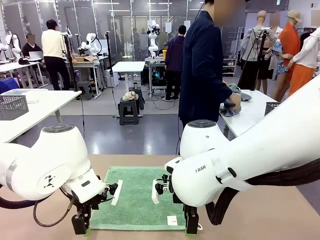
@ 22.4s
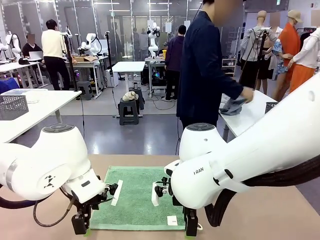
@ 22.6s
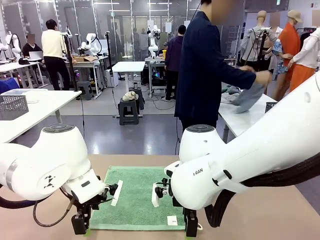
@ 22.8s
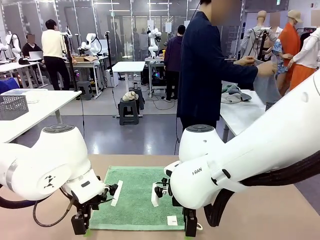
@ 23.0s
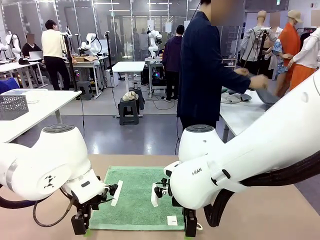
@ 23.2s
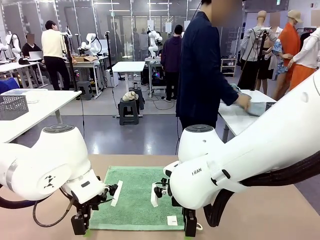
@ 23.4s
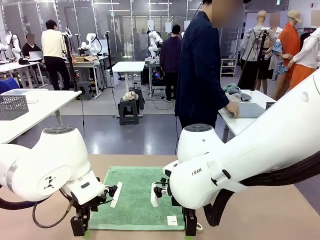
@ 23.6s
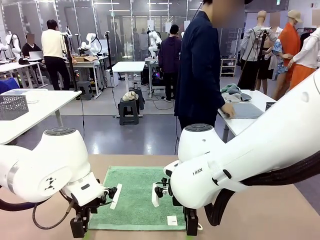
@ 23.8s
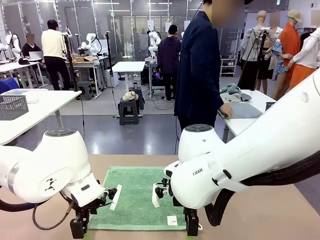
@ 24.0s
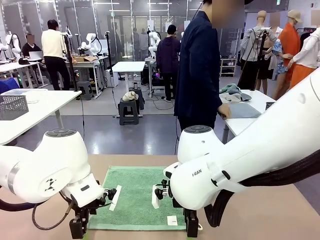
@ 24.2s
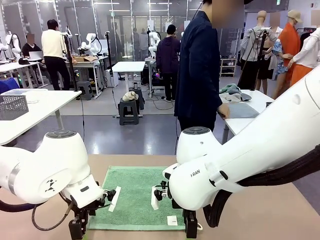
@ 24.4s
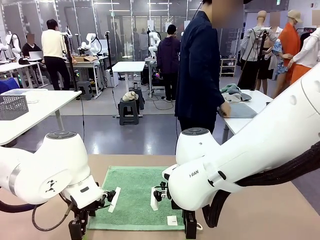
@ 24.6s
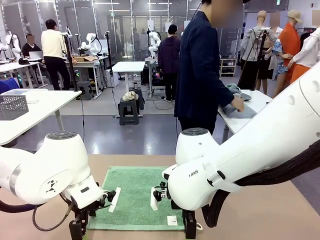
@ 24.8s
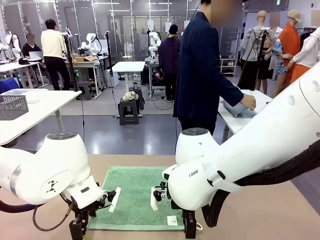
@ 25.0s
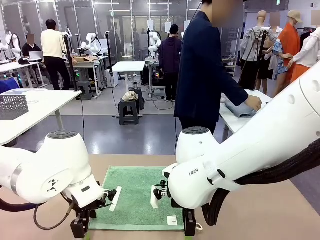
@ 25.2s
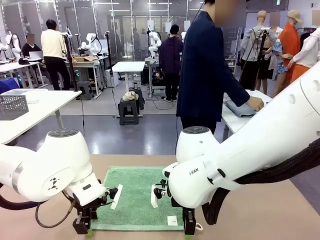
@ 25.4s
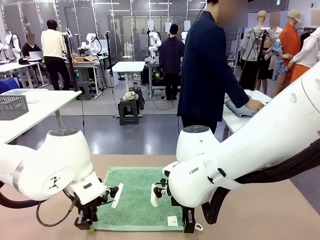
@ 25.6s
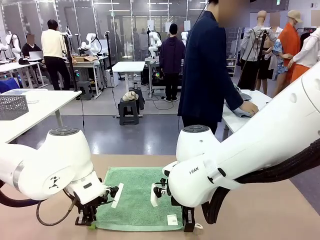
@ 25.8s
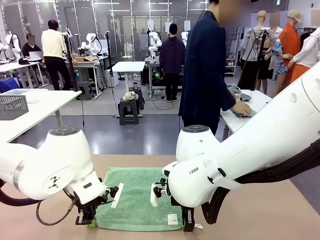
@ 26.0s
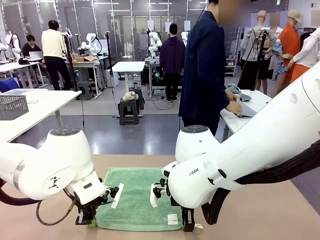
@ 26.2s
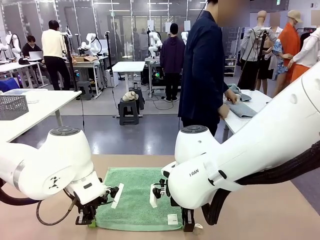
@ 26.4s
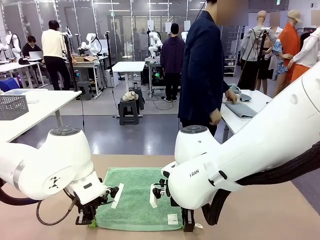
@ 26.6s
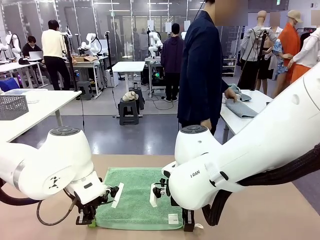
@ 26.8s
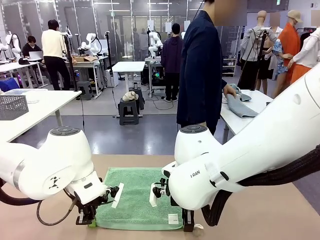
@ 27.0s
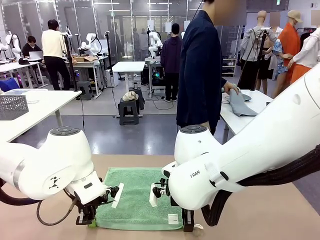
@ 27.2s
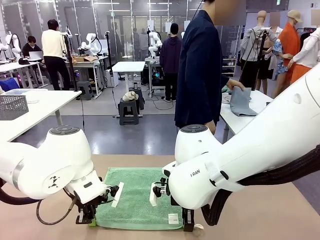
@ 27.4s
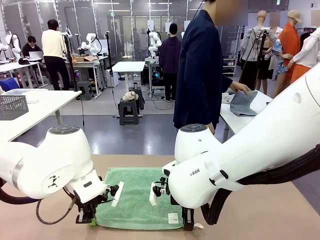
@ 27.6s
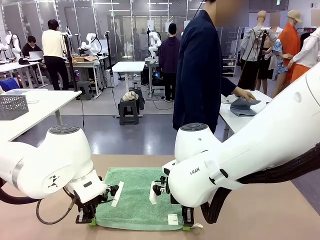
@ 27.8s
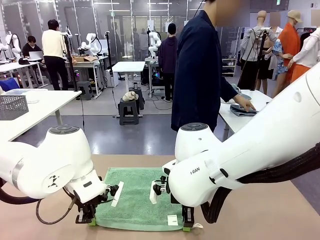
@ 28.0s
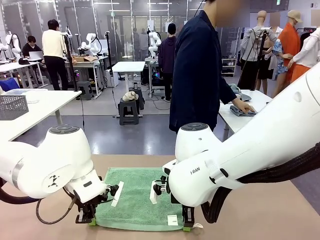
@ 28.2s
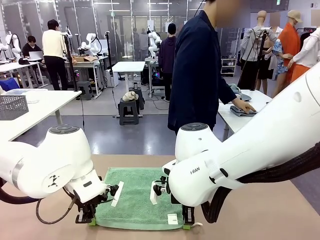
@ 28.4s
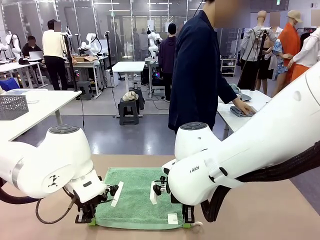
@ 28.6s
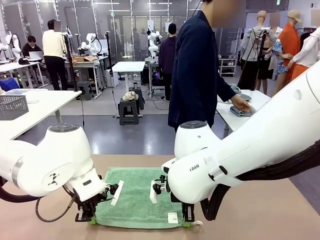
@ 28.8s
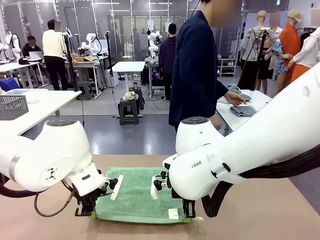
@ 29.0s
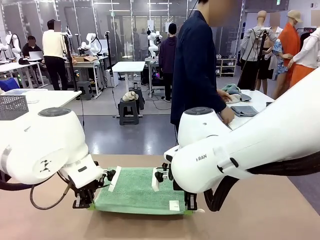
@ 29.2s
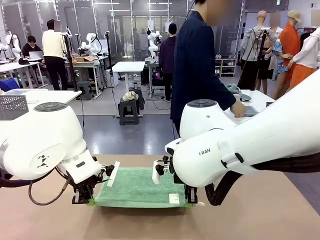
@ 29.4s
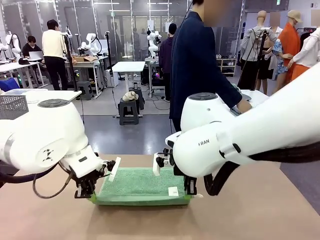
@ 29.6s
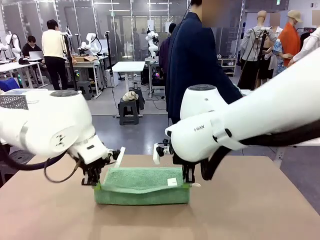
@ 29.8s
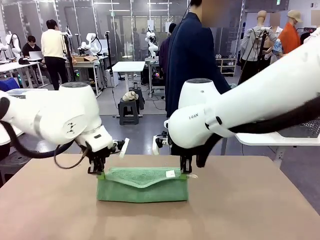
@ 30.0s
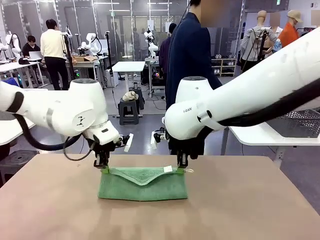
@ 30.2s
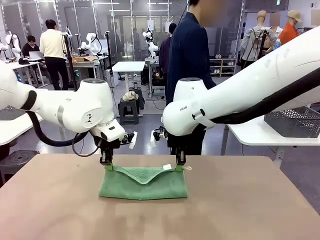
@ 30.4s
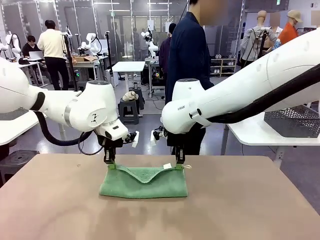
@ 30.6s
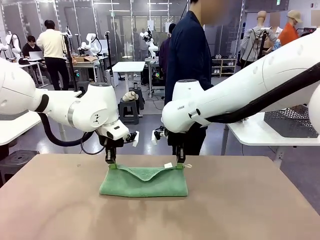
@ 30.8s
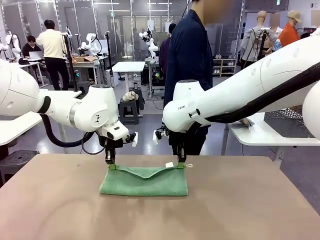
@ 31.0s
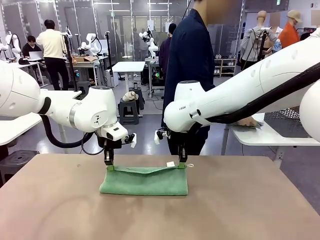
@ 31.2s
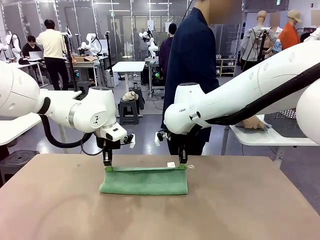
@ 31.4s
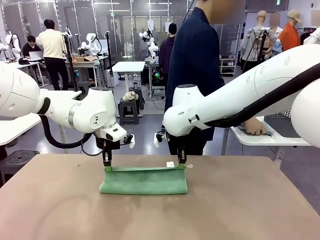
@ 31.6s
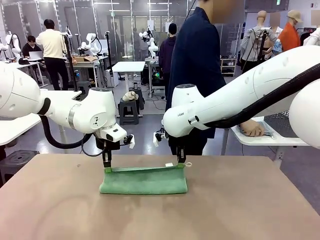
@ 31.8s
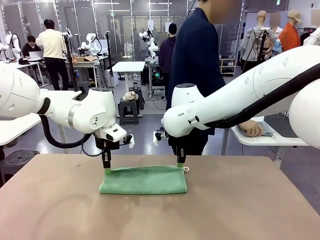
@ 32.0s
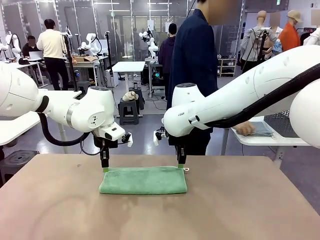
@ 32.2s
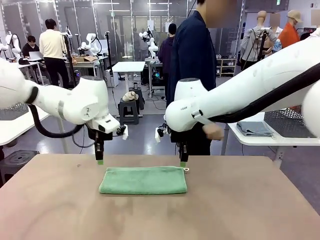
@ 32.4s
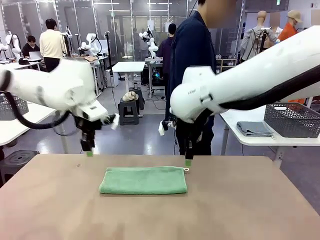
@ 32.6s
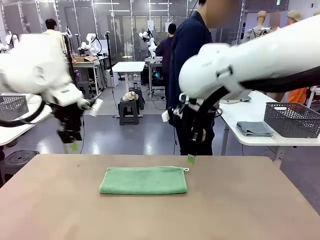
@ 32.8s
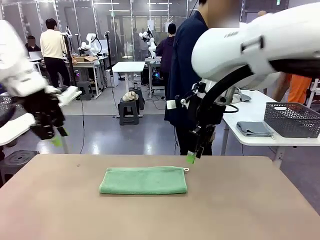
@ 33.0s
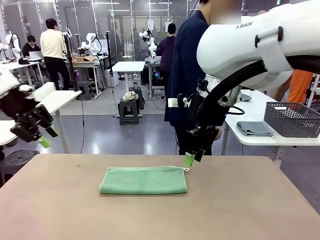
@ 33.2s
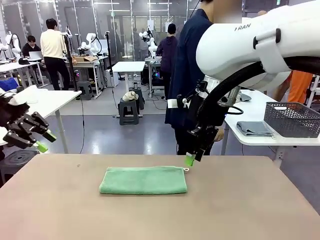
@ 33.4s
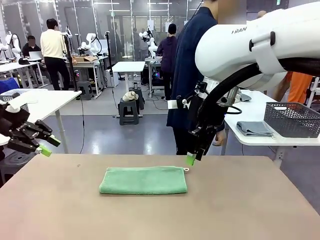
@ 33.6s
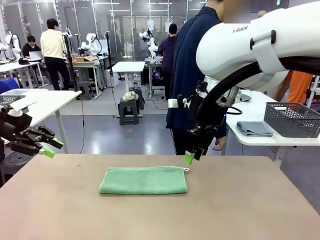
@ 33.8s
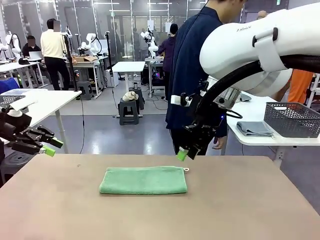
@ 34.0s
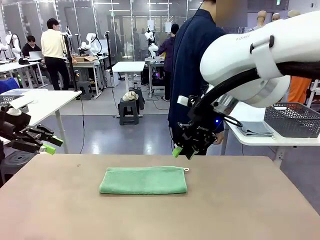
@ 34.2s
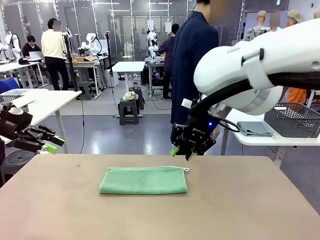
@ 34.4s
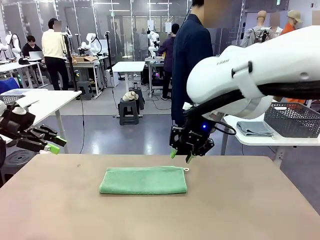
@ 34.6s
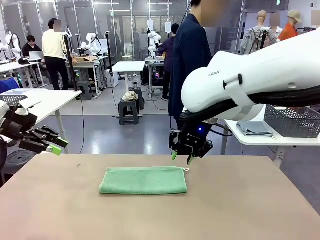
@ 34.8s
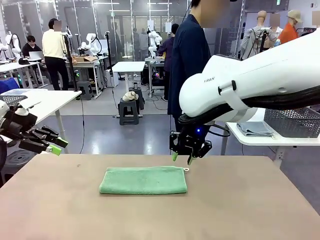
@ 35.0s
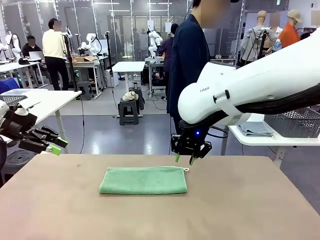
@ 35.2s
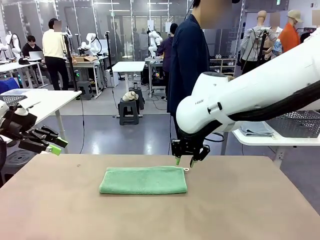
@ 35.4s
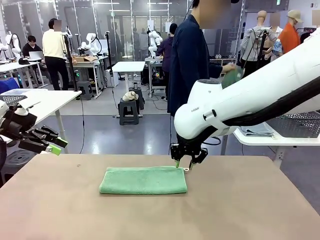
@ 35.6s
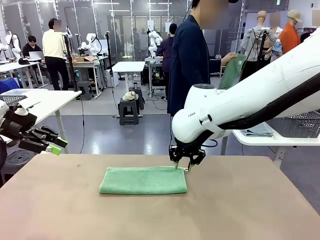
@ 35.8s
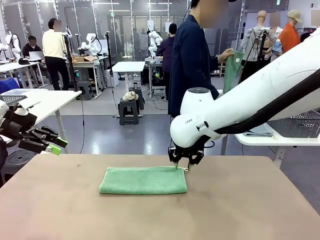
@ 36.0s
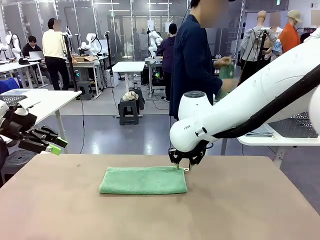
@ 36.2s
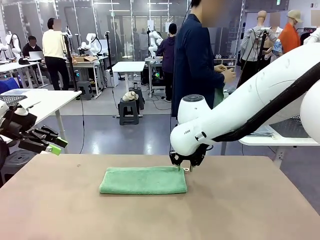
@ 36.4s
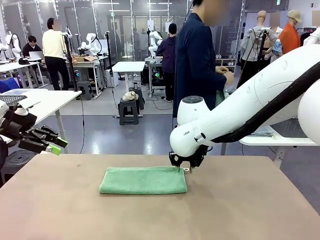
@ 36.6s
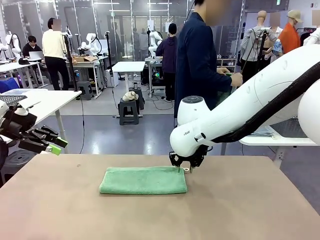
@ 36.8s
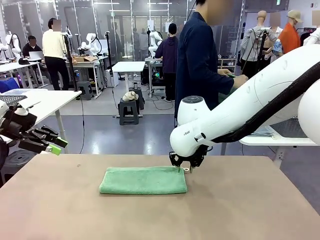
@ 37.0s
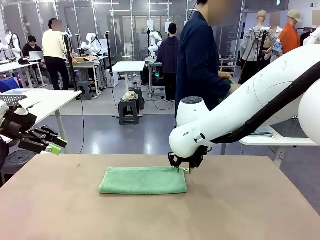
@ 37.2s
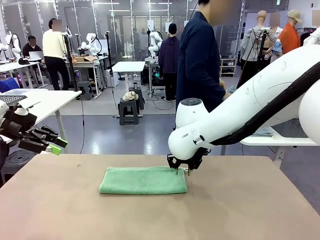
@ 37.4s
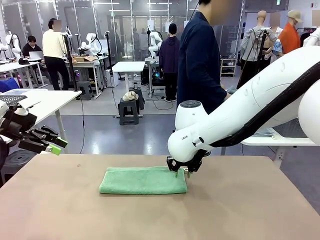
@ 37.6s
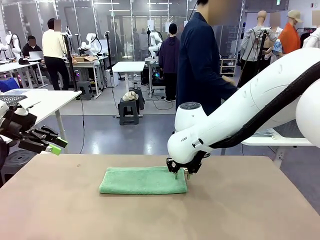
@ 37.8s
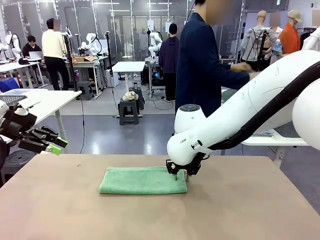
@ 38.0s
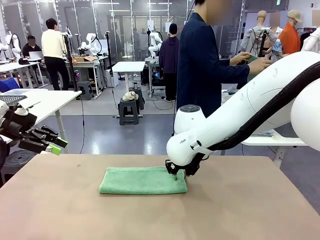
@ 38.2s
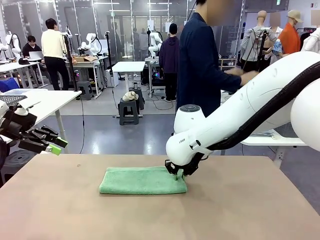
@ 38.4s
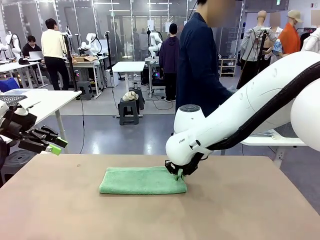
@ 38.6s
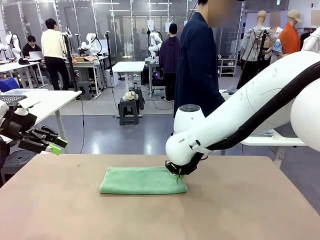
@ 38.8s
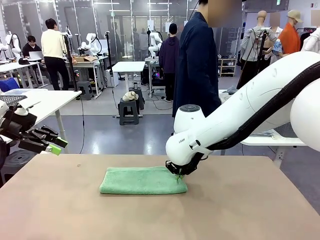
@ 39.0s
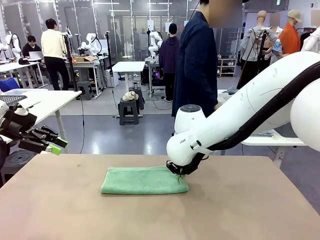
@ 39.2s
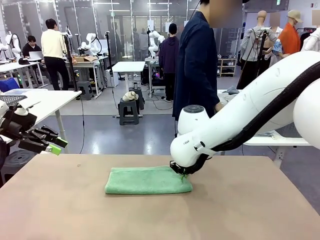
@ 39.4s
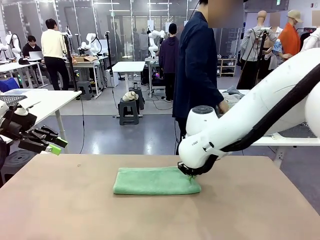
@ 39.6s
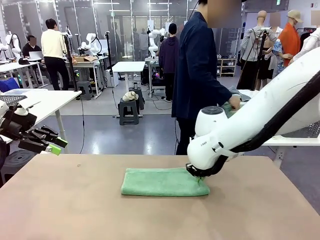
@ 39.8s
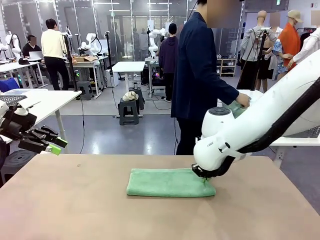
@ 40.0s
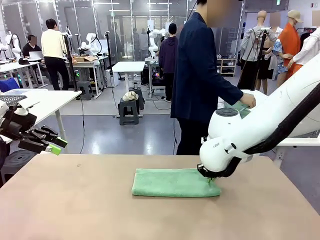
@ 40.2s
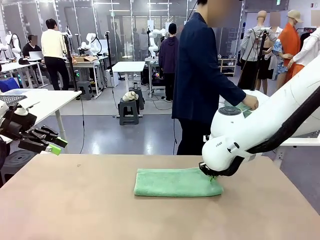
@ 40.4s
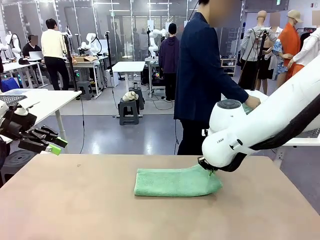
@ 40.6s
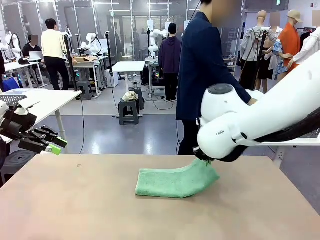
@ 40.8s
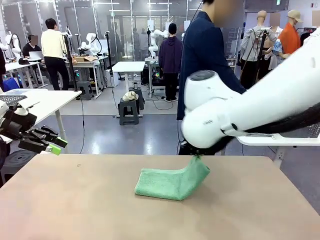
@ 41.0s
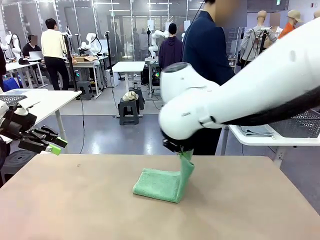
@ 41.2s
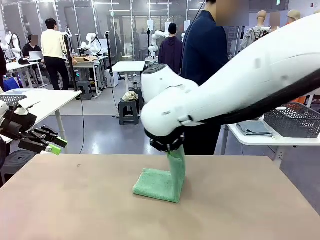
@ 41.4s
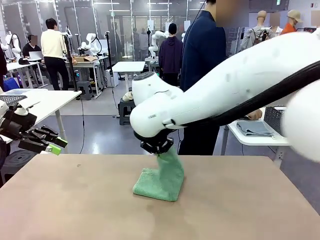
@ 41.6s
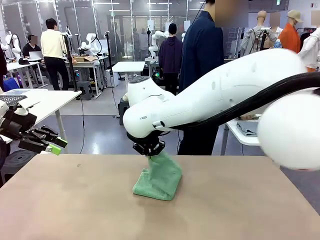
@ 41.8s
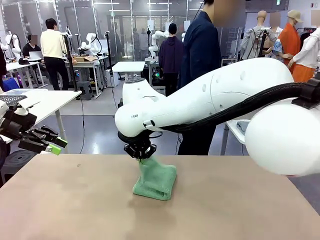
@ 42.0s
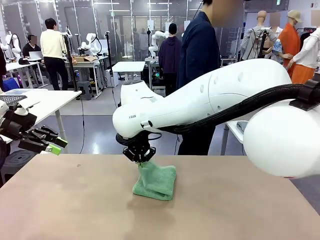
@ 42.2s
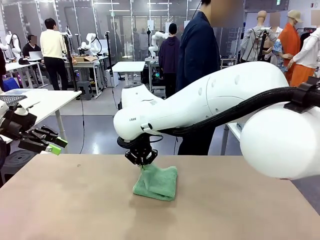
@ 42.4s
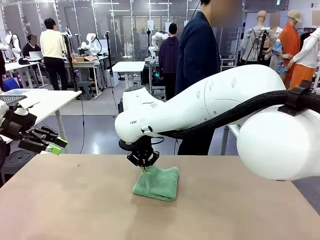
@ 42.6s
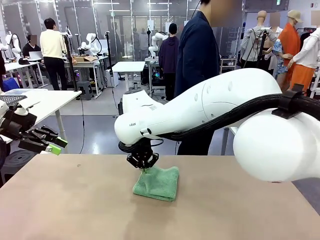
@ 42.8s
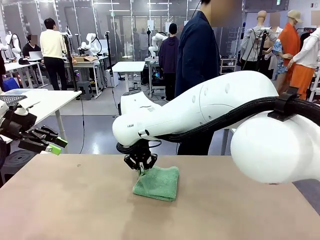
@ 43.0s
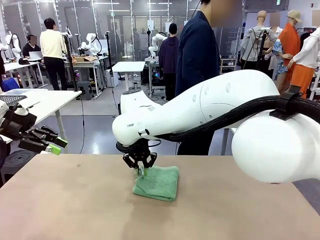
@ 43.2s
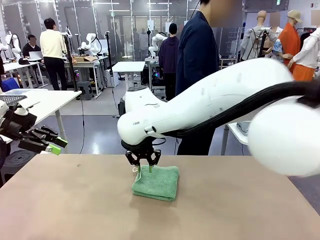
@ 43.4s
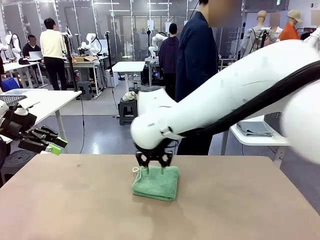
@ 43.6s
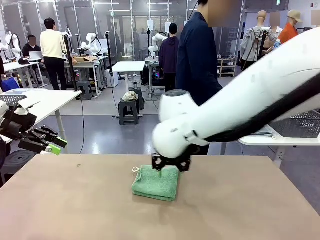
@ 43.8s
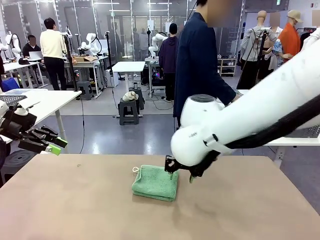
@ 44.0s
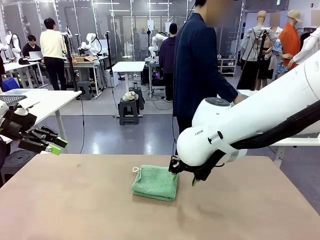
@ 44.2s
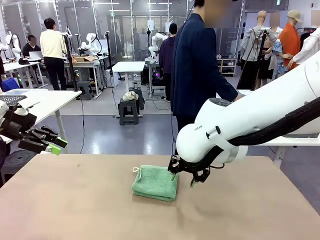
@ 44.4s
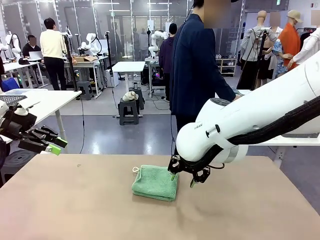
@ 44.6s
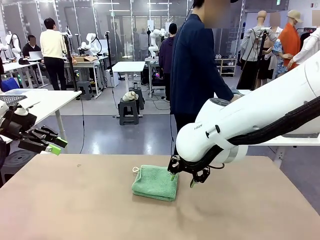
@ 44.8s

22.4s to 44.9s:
Task: Fold the towels and place them in the basket.
Robot: When a person lays out a Towel with hook on the table, fold it in half twice.
Person: Pick up one towel from the left side of the human table, fold it in half twice, and place it on the right side of the table. Pick up one towel from the left side of the human table, fold it in half twice, and stack it on the right side of the table.
